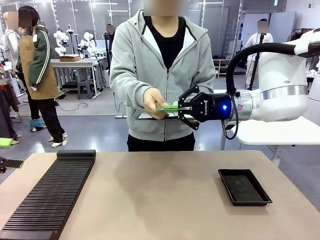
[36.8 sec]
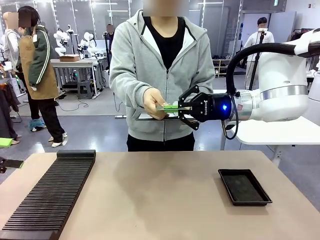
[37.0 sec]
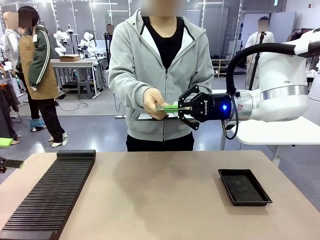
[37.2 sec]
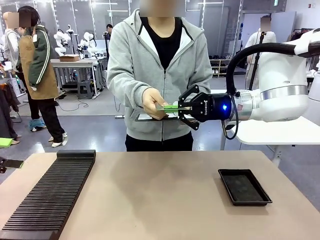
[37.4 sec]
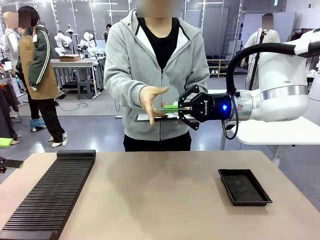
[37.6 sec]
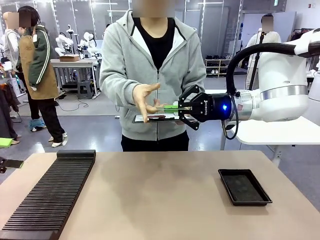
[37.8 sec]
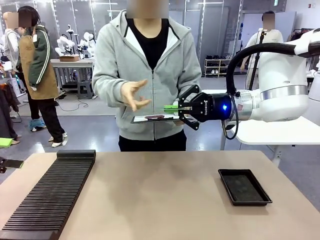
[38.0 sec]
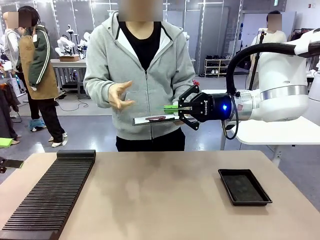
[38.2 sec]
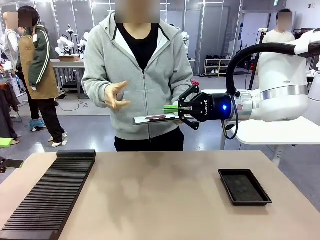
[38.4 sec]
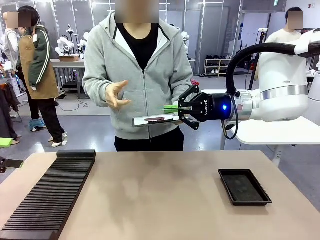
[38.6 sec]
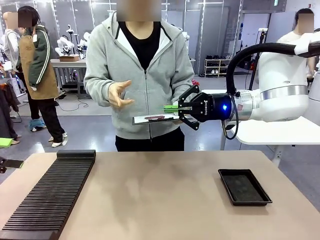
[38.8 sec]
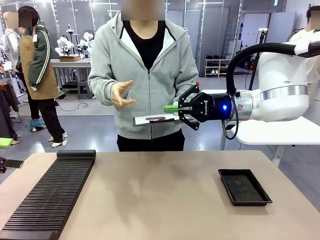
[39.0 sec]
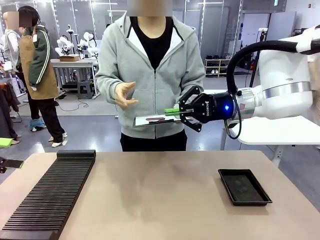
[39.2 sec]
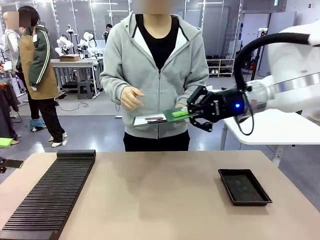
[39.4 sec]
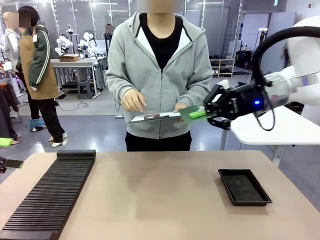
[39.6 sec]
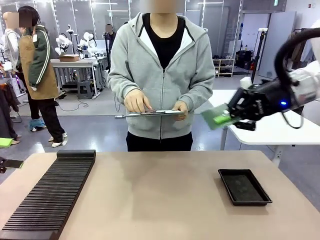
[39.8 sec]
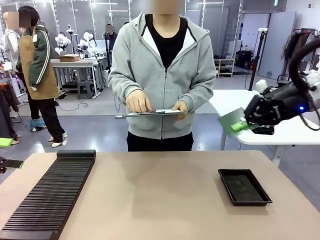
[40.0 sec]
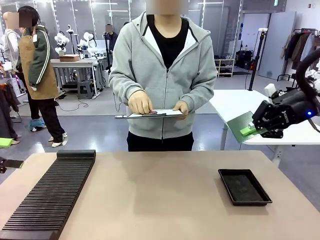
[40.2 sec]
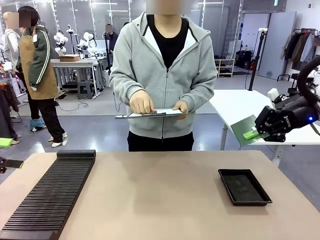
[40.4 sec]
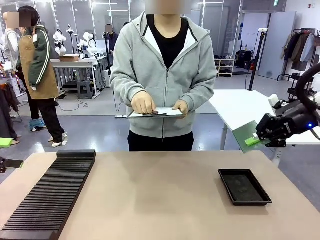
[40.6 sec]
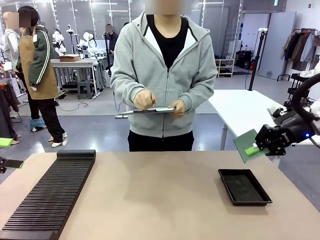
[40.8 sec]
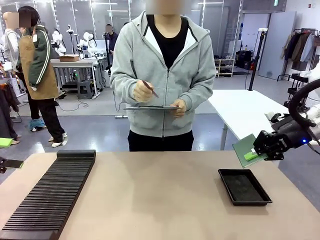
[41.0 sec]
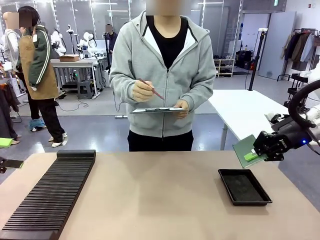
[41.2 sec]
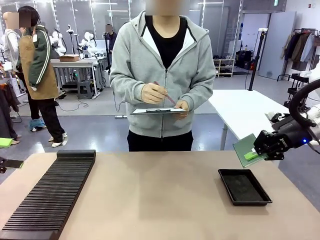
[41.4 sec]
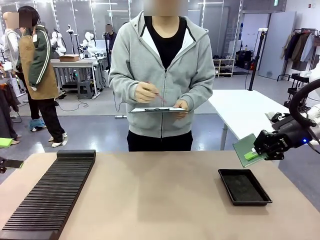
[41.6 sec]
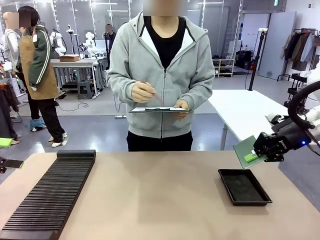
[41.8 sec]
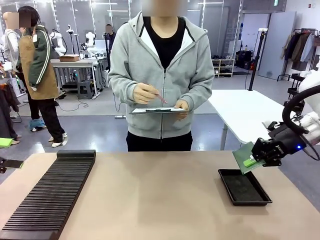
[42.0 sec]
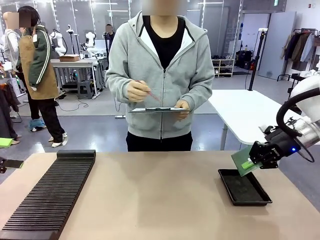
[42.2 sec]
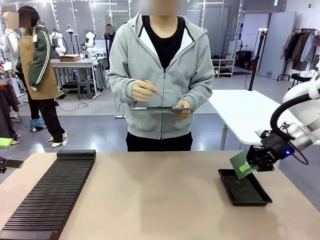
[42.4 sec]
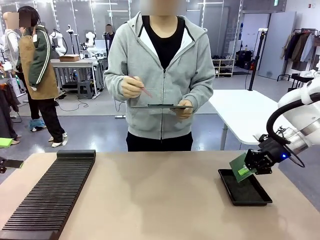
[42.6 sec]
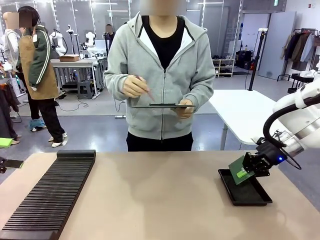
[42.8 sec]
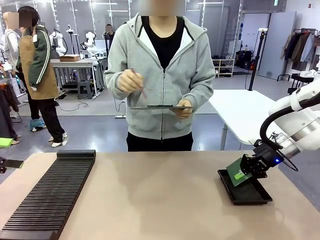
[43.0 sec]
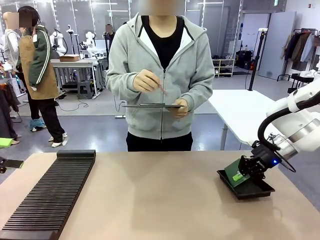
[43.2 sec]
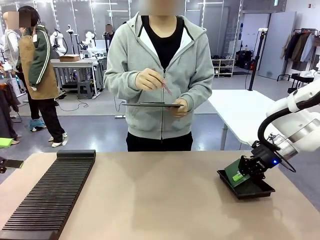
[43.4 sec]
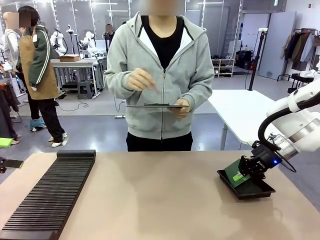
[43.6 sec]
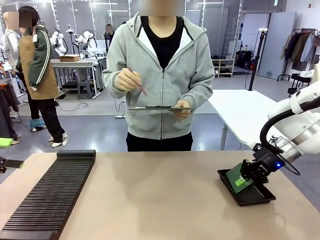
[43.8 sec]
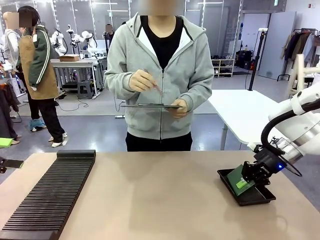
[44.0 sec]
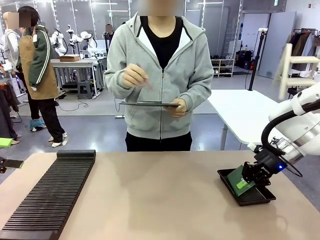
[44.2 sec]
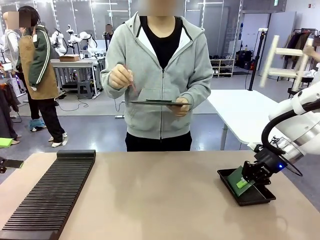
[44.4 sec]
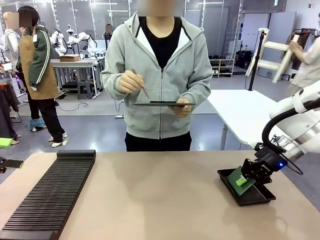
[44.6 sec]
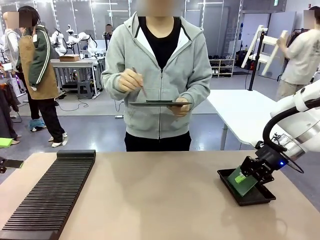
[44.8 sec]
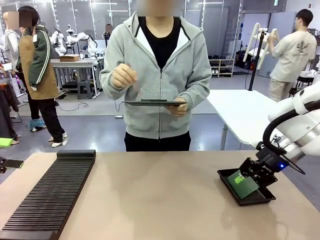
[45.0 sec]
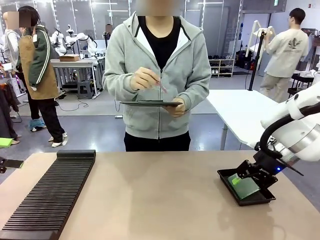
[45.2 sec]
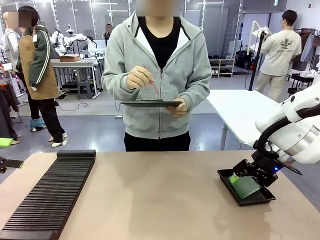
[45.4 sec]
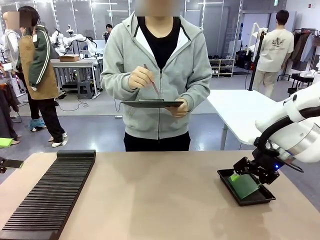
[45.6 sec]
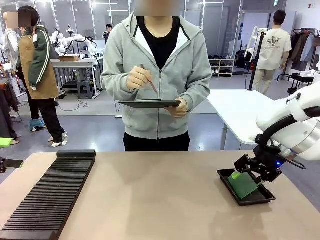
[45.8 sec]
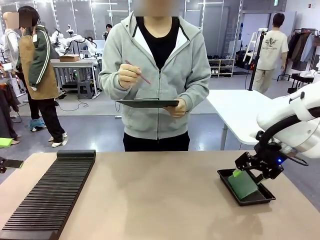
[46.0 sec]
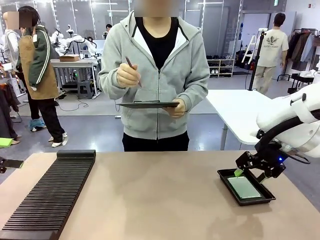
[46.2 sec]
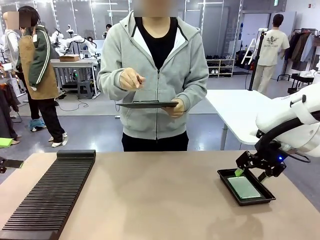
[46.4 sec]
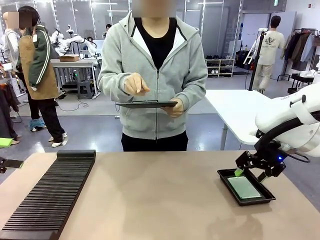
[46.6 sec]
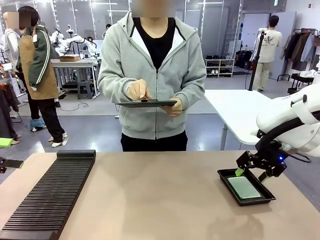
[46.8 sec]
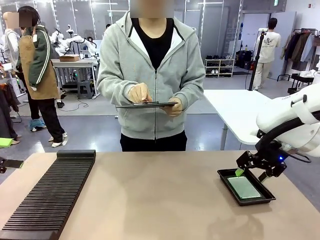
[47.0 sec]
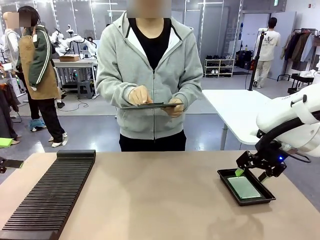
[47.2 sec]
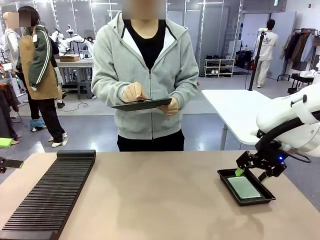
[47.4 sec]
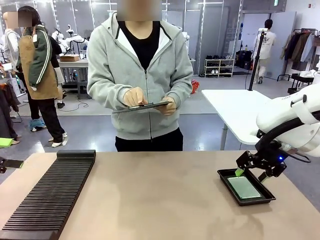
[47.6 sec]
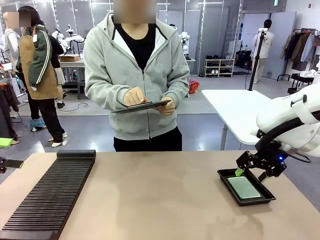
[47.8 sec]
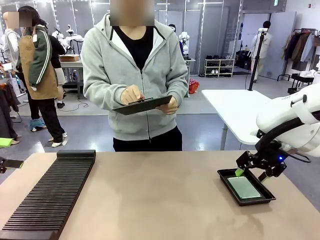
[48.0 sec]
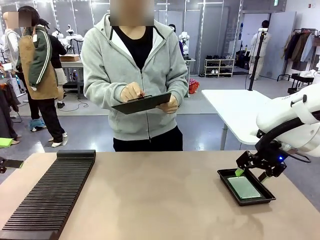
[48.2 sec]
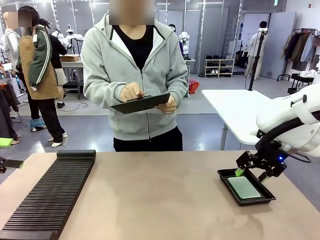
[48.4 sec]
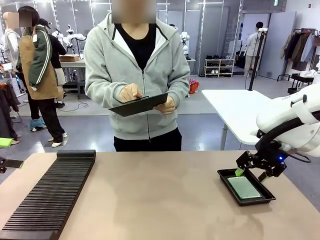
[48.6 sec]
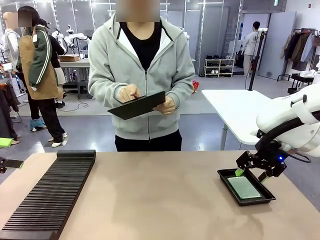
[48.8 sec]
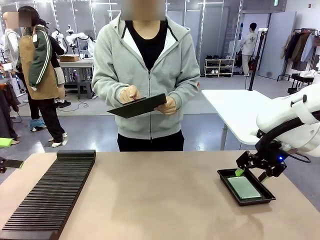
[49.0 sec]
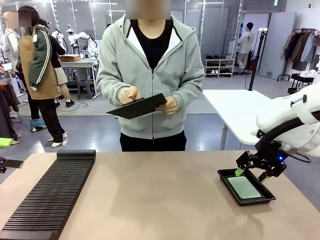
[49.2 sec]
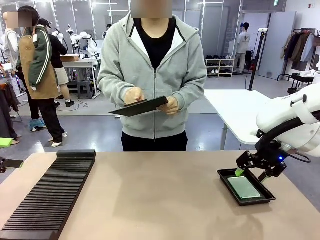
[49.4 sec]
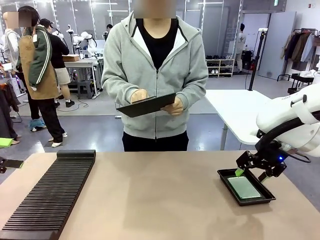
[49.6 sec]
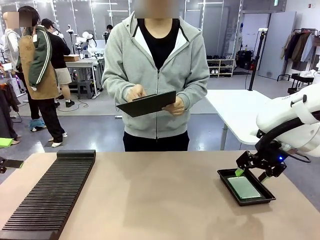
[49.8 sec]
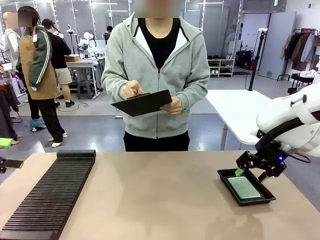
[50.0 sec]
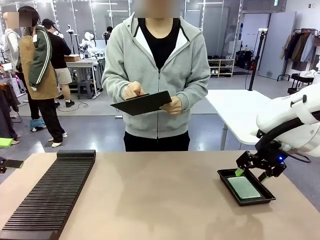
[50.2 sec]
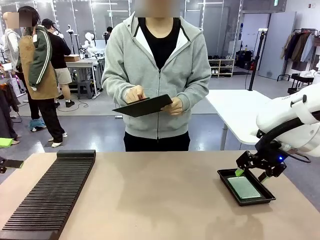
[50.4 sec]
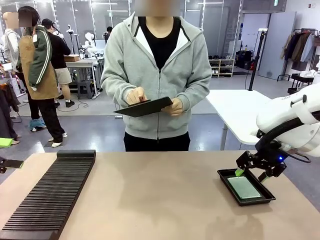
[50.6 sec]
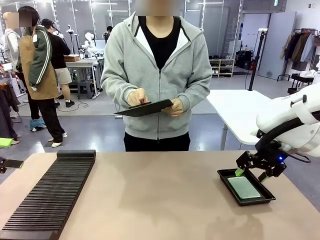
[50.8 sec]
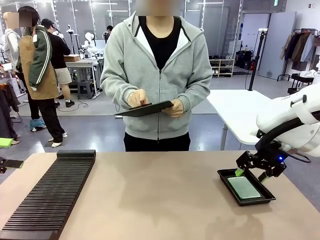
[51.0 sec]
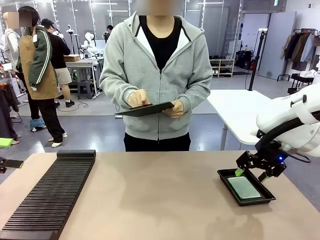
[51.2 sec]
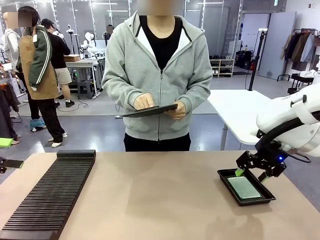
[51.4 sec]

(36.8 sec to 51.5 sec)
Task: Inspect the PCB.
Robot: Place the Blank PCB in the ESD tray.
Person: Record the PCB status on the paper.

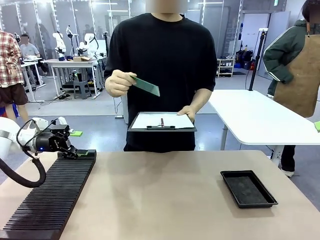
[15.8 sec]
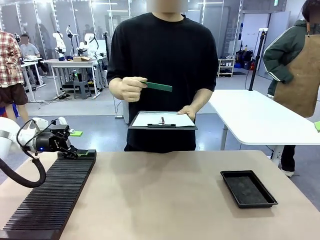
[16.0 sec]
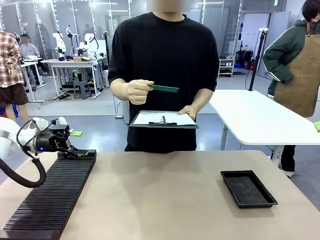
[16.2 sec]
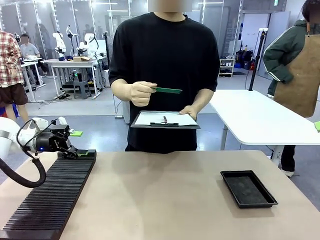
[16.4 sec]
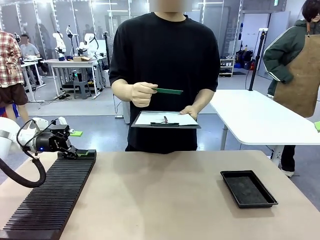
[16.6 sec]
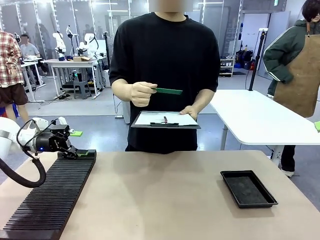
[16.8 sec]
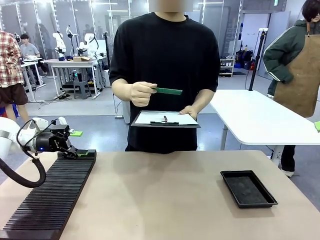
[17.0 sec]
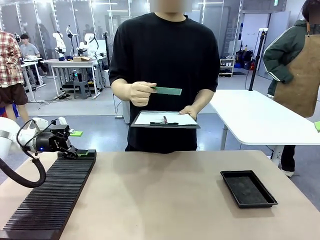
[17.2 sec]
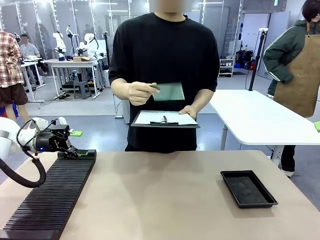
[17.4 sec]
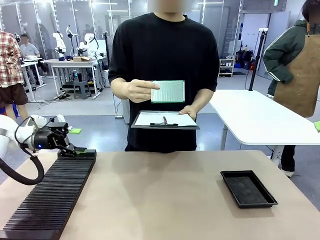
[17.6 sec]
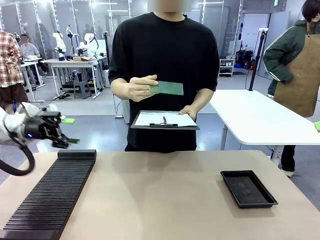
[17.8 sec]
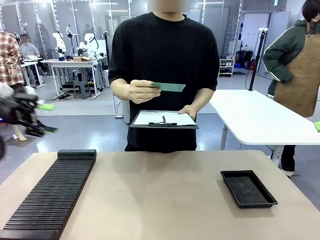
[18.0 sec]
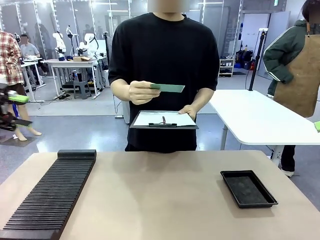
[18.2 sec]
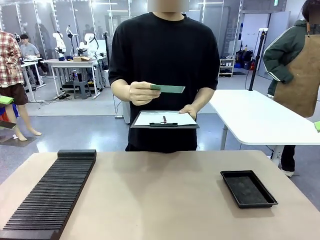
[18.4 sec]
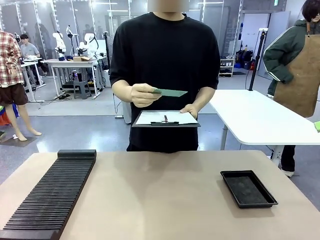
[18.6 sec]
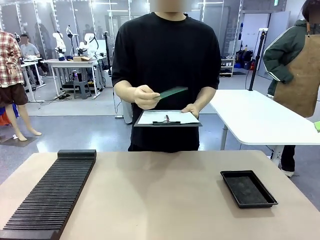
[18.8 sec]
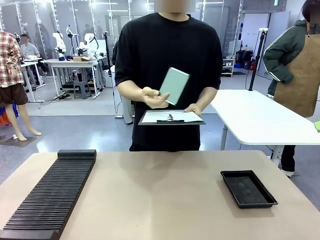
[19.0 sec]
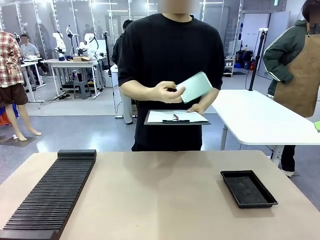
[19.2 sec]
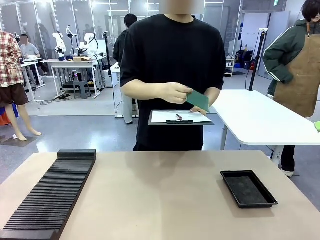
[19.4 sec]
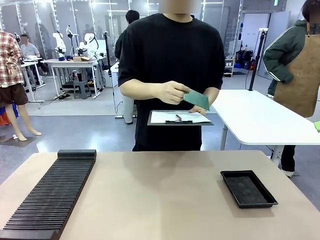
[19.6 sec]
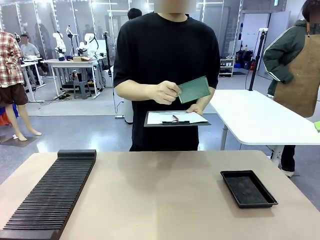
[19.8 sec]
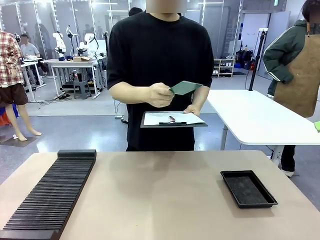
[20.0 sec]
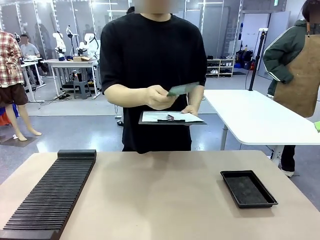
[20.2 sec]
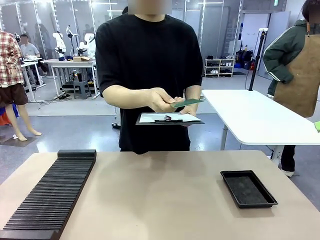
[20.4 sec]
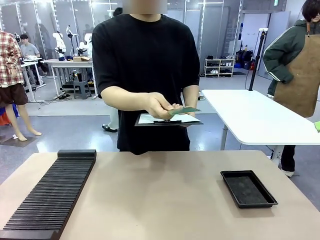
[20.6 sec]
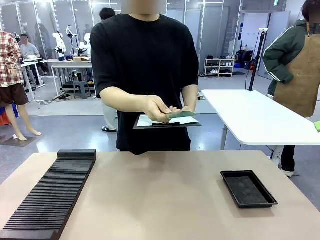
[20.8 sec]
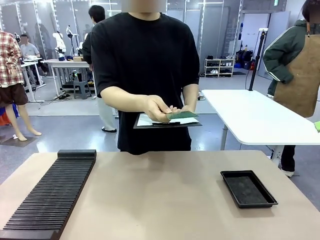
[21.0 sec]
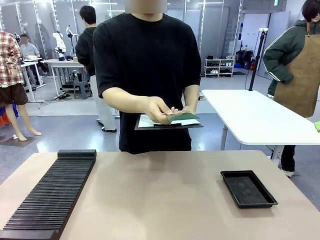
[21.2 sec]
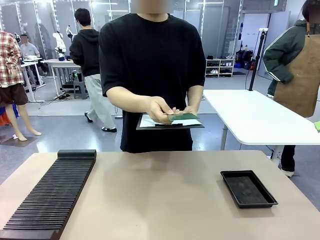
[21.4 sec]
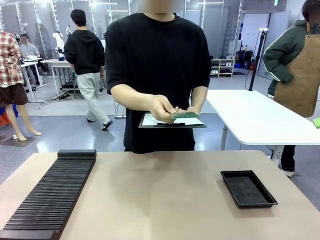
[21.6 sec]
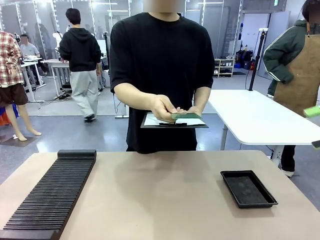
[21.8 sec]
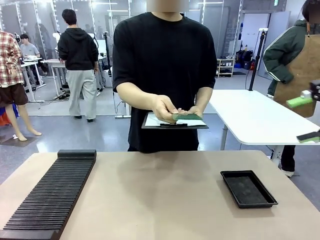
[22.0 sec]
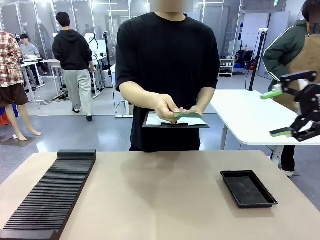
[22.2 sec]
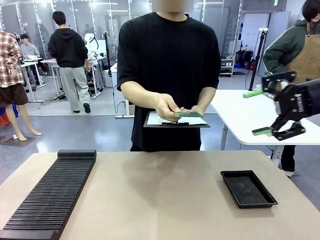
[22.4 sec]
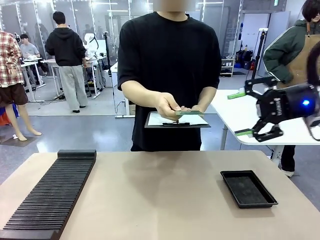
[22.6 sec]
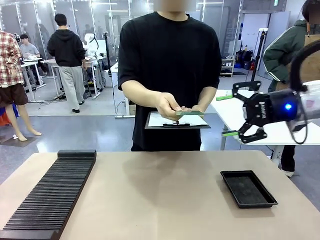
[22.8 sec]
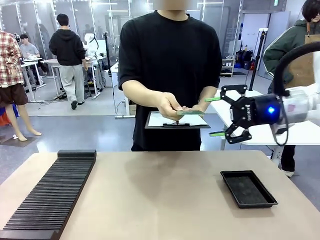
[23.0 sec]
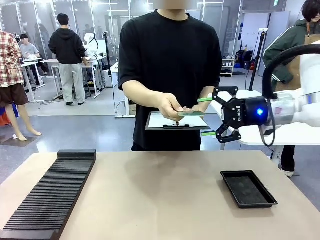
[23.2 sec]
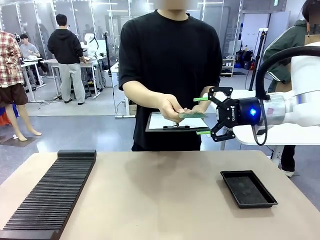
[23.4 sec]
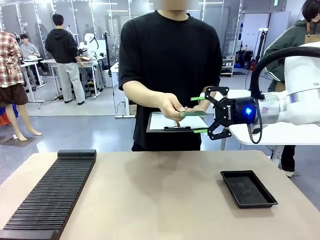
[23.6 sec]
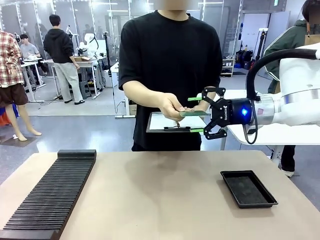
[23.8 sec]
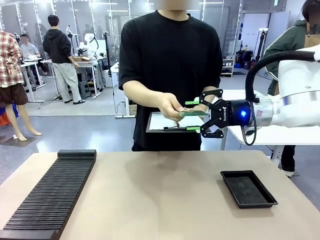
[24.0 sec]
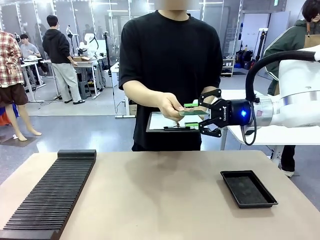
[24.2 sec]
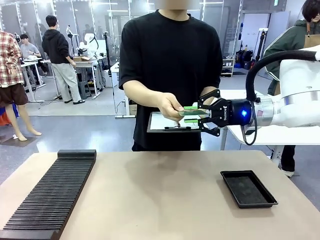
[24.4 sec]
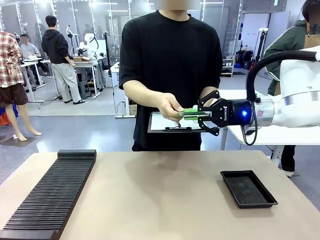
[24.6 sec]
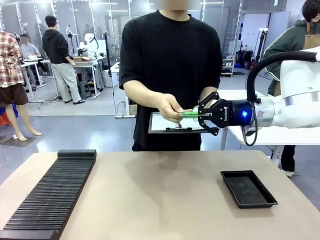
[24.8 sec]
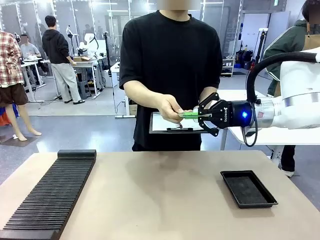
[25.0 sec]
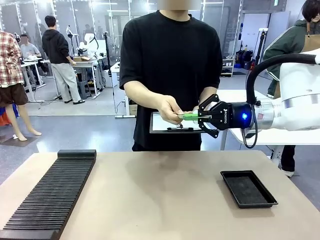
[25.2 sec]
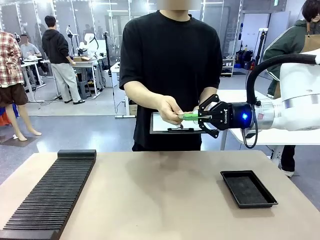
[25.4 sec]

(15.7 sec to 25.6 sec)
Task: Inspect the PCB.
Robot: Pick up the Blank PCB that the human is holding.
Person: Inspect the PCB placed by the robot, then hold it out in front of the robot. Release the PCB you were holding.
